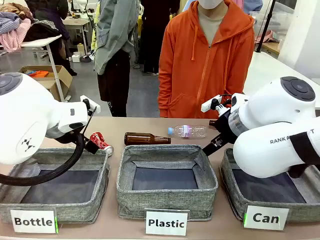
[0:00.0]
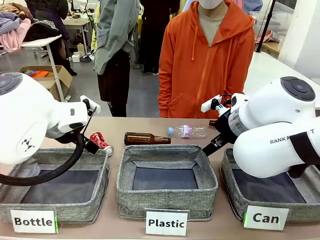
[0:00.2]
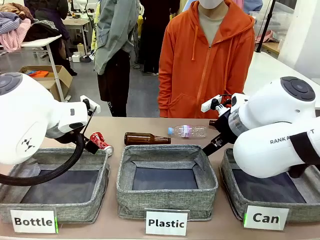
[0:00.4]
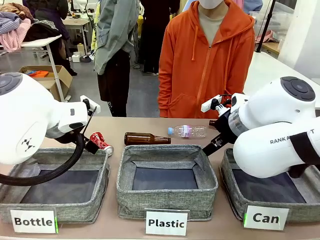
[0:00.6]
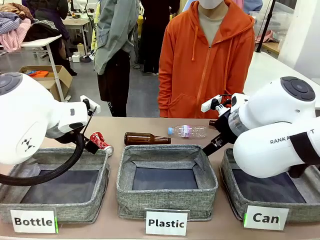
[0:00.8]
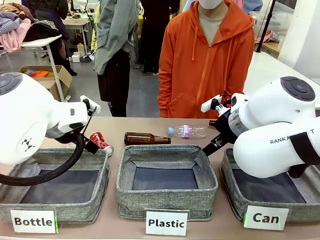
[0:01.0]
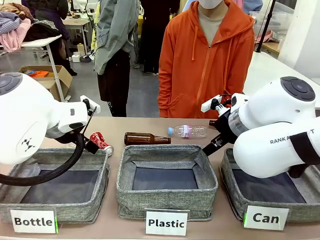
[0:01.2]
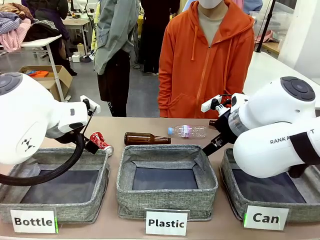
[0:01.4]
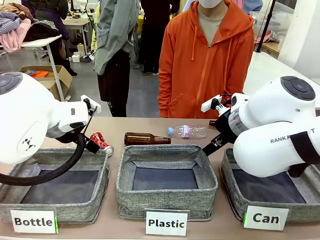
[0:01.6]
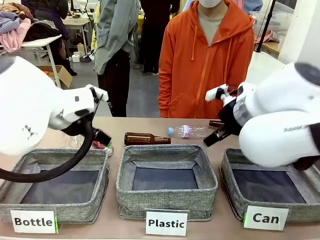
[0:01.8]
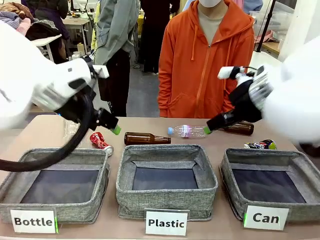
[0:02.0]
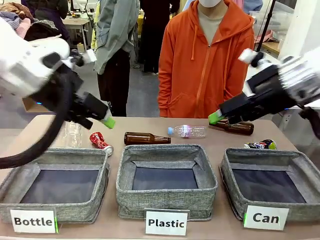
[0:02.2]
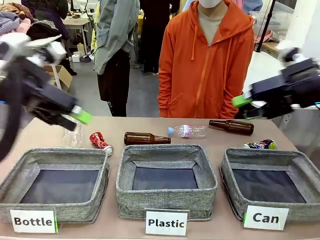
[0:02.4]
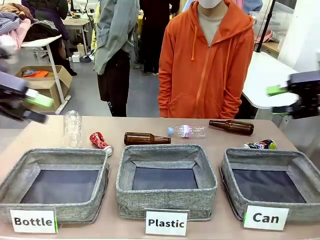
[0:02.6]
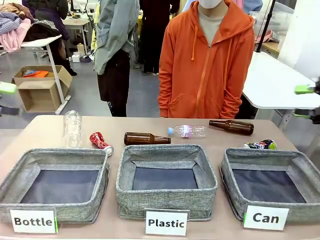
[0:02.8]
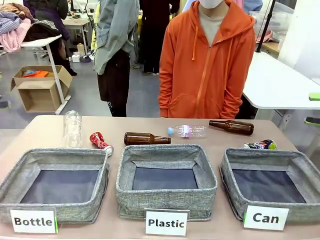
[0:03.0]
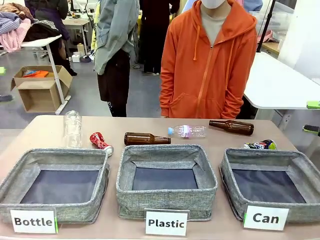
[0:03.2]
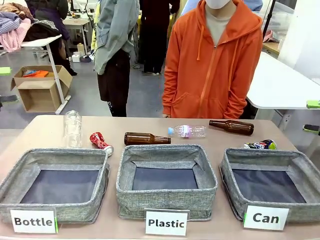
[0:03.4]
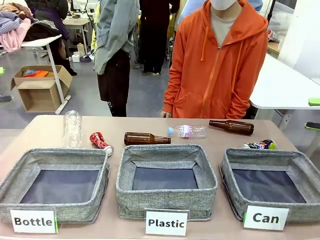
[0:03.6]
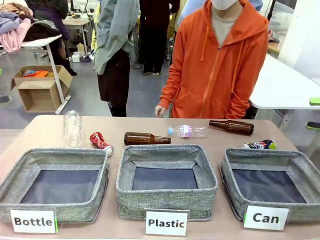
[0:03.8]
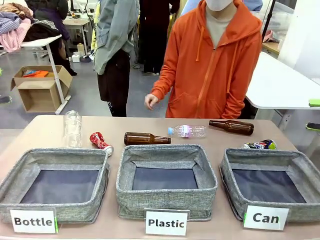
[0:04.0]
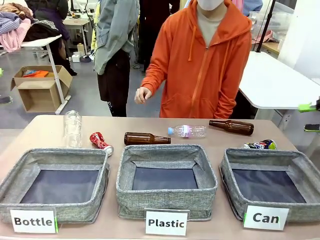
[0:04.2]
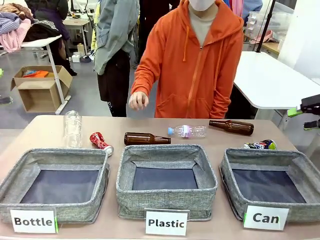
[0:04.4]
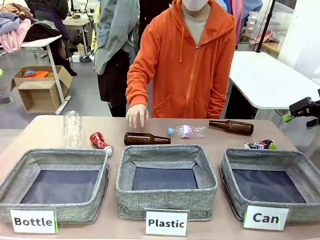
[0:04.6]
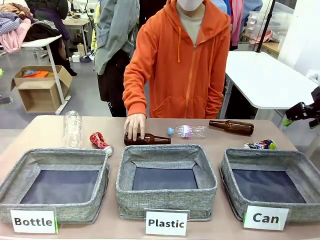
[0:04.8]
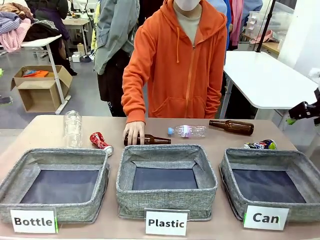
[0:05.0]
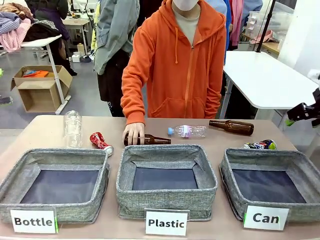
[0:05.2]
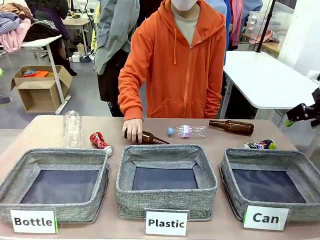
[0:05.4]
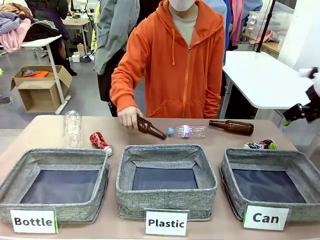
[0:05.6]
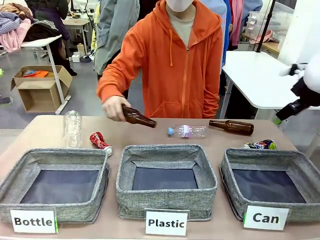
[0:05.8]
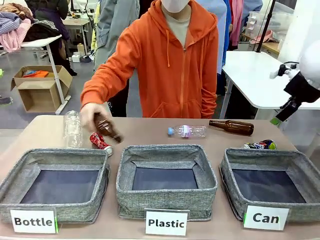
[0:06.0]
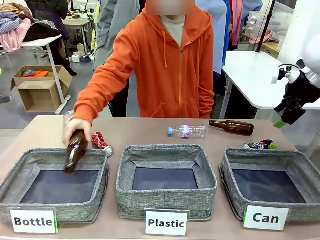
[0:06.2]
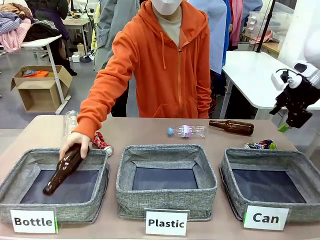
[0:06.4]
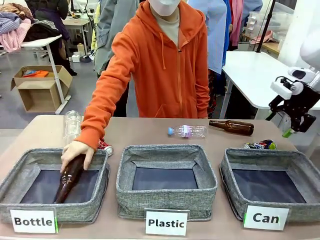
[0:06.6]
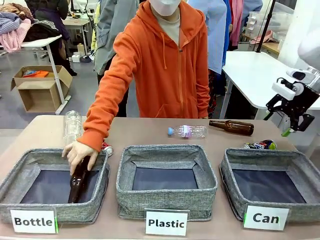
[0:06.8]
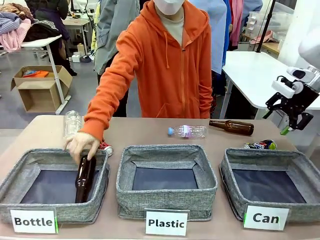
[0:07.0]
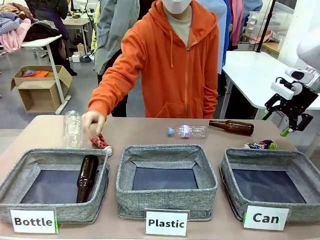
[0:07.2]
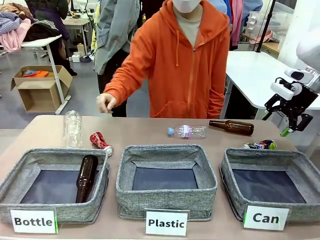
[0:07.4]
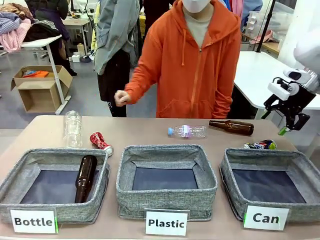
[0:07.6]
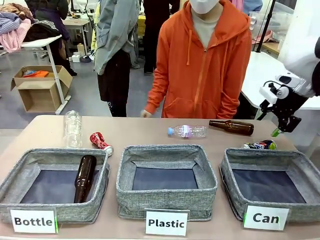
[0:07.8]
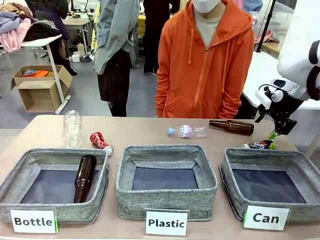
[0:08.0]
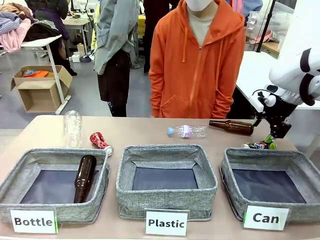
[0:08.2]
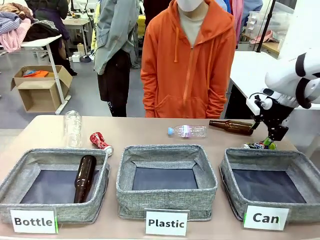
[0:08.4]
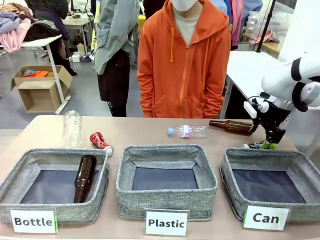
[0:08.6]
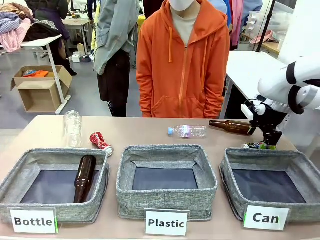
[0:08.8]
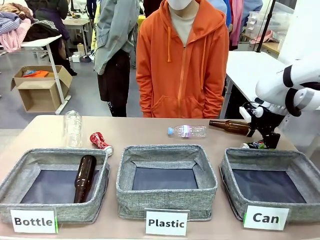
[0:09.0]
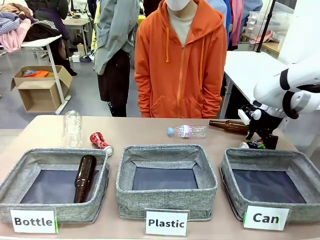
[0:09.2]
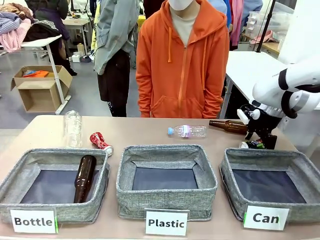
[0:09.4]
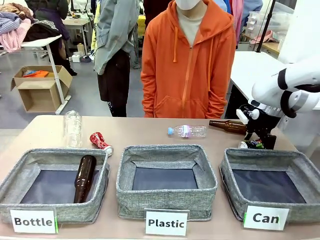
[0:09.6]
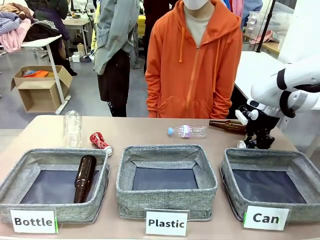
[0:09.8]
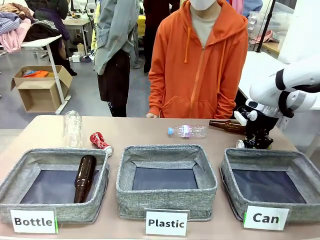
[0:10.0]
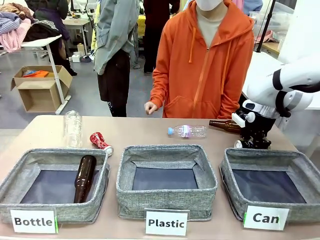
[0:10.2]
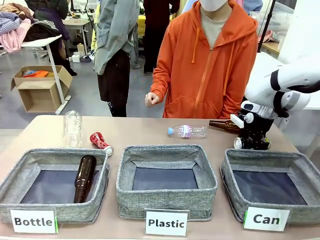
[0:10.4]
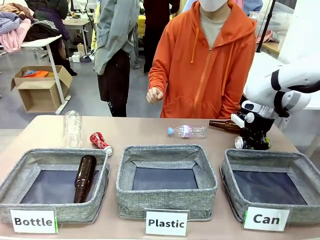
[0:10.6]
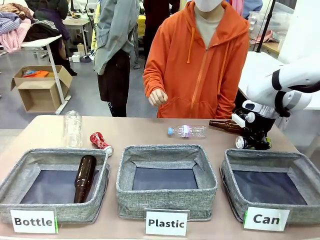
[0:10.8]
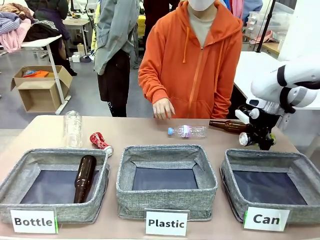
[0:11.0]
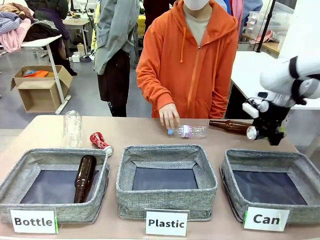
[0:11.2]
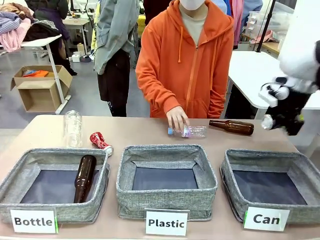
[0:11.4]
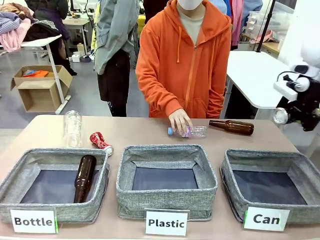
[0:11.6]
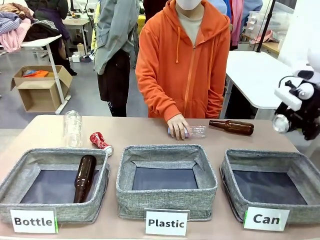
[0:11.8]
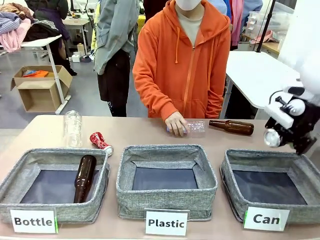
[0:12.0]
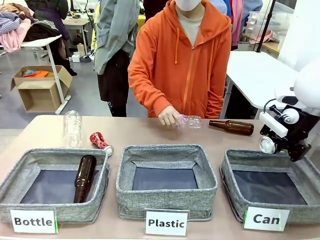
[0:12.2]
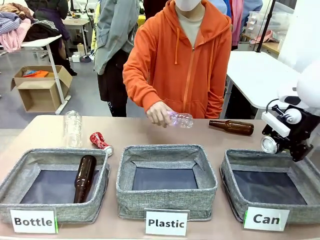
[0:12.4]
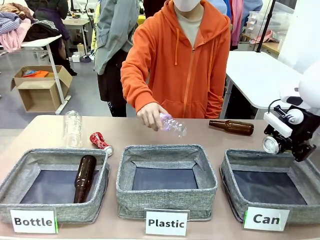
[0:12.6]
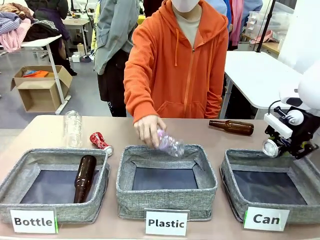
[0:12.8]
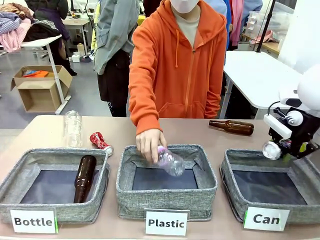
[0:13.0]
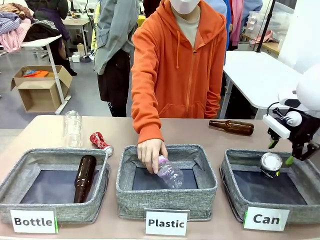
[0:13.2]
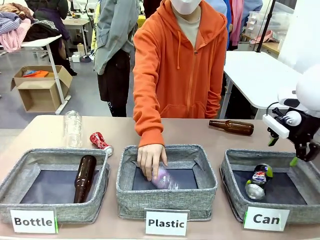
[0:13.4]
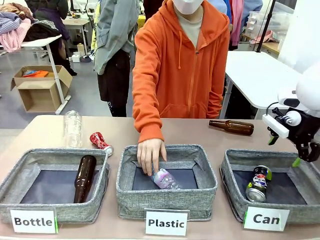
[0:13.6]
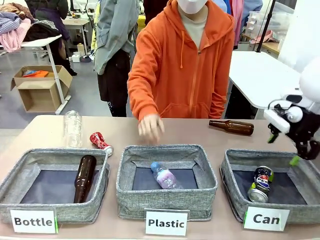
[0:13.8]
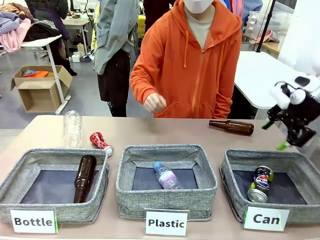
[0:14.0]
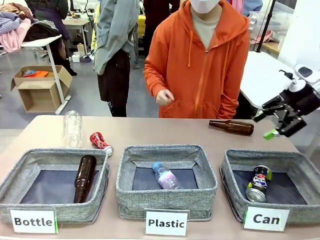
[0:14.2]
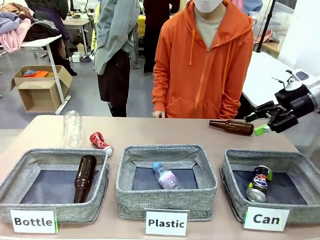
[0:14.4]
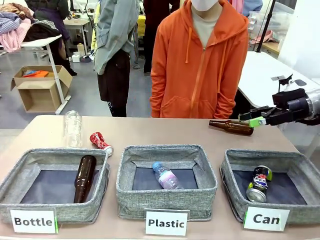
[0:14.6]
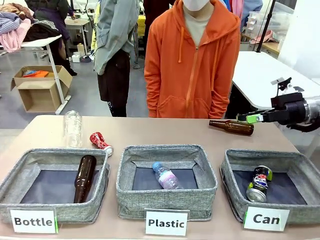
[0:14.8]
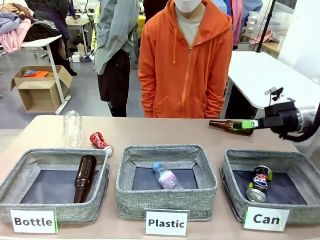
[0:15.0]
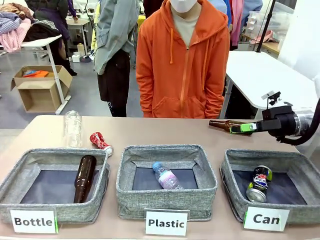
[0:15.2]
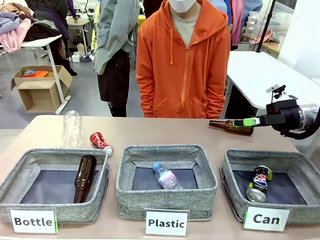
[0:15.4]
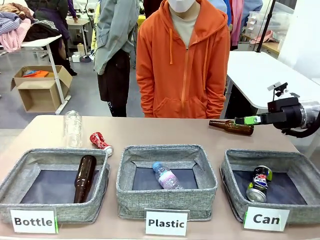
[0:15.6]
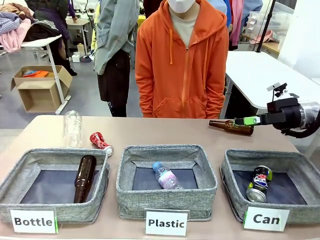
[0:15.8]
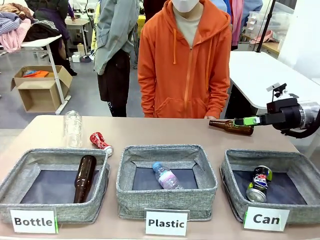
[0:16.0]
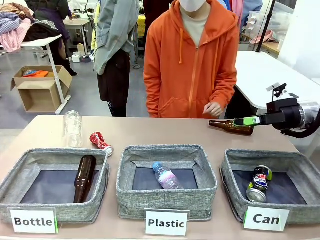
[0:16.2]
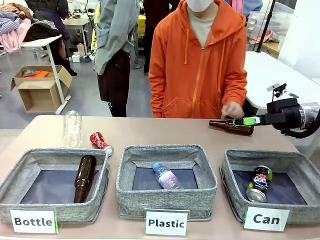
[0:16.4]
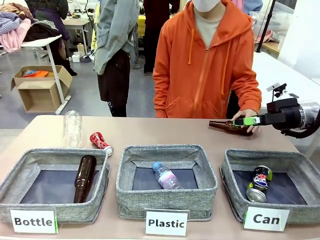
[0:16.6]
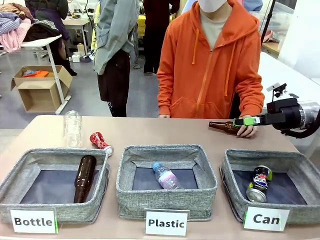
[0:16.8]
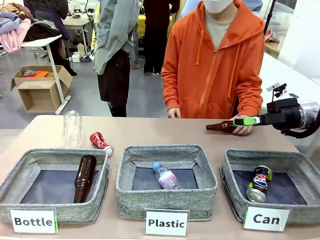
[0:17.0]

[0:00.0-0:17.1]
Task: Sort the can waste into the basket.
Robot: Pick up the can waste from the table and place it in the right Fabric basket.
